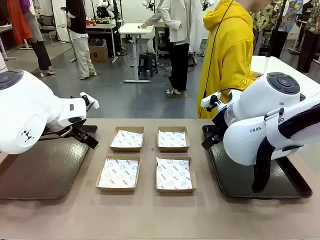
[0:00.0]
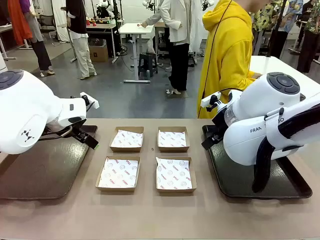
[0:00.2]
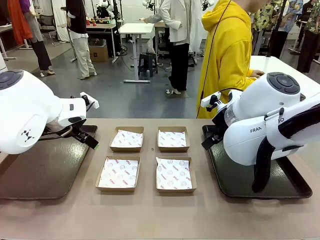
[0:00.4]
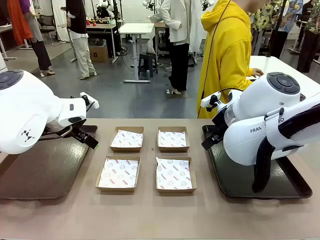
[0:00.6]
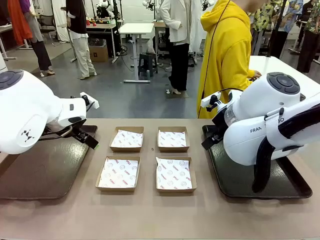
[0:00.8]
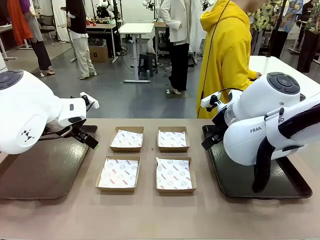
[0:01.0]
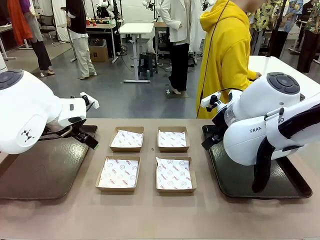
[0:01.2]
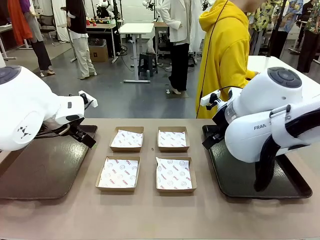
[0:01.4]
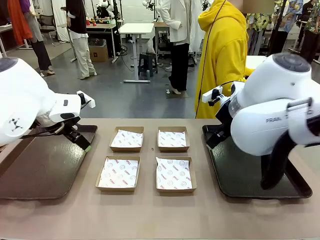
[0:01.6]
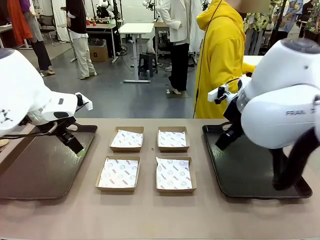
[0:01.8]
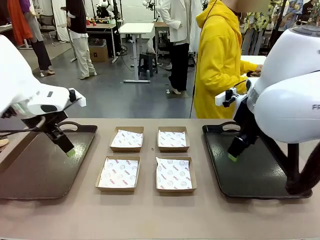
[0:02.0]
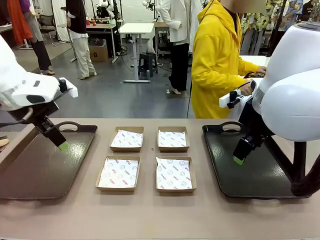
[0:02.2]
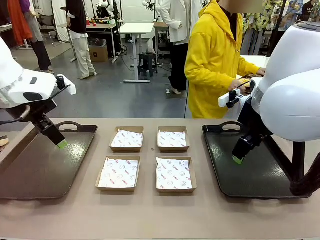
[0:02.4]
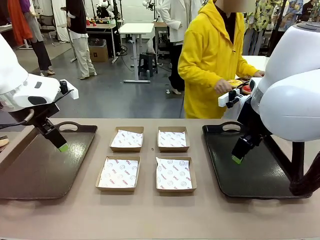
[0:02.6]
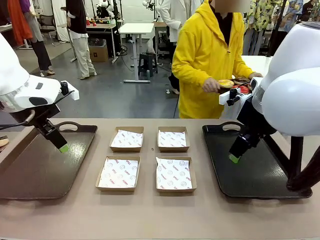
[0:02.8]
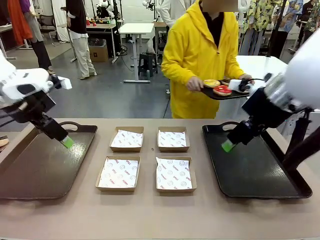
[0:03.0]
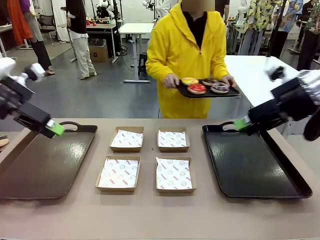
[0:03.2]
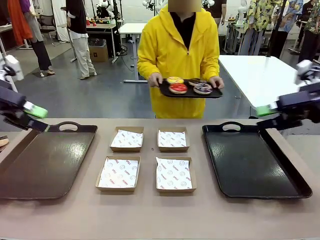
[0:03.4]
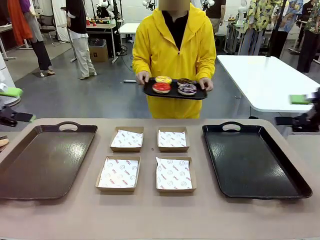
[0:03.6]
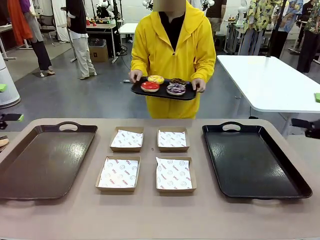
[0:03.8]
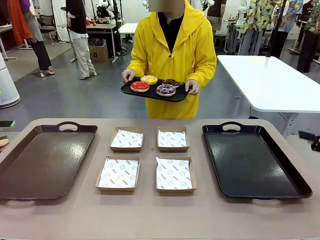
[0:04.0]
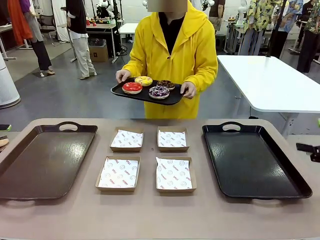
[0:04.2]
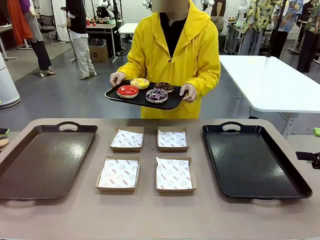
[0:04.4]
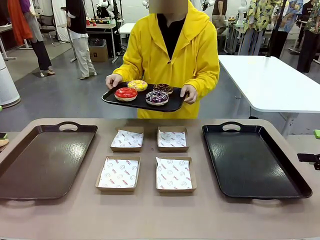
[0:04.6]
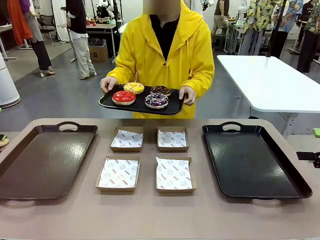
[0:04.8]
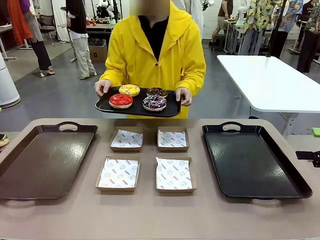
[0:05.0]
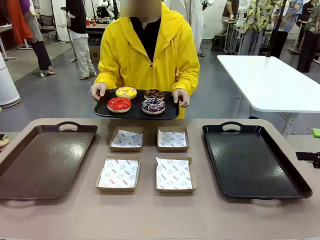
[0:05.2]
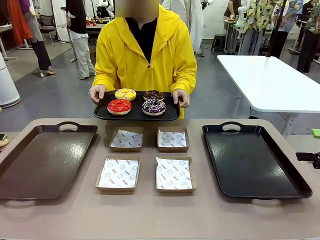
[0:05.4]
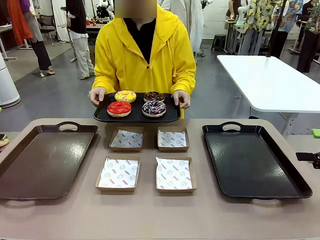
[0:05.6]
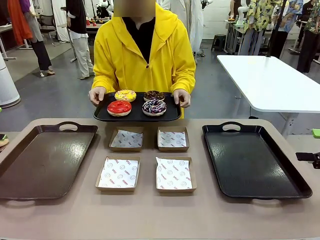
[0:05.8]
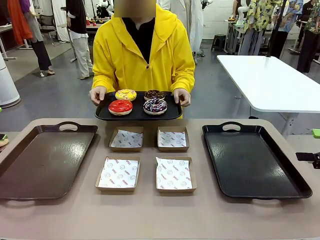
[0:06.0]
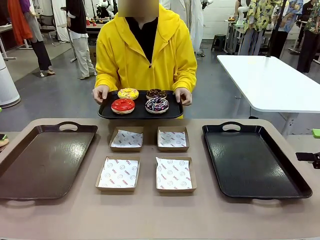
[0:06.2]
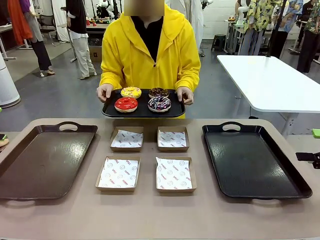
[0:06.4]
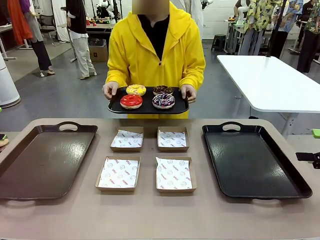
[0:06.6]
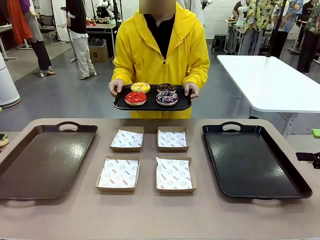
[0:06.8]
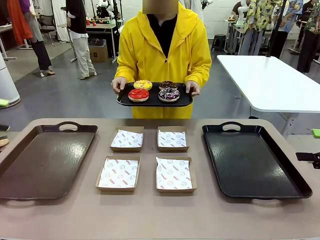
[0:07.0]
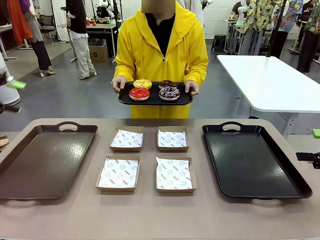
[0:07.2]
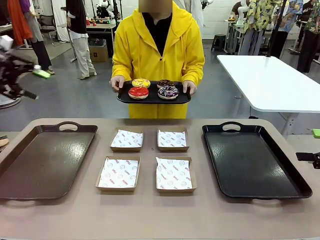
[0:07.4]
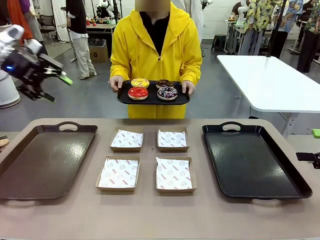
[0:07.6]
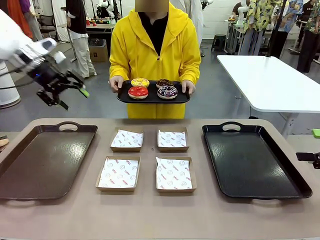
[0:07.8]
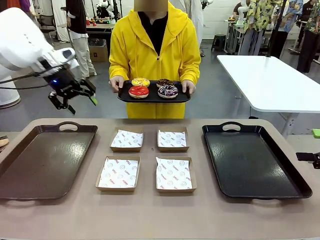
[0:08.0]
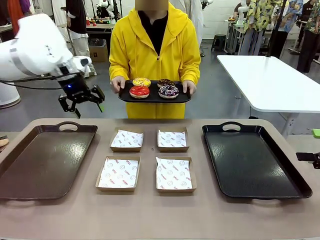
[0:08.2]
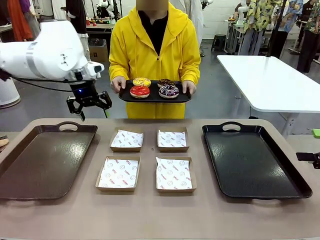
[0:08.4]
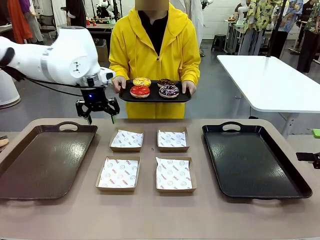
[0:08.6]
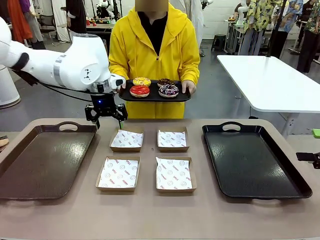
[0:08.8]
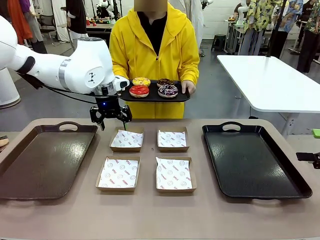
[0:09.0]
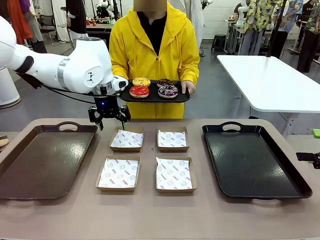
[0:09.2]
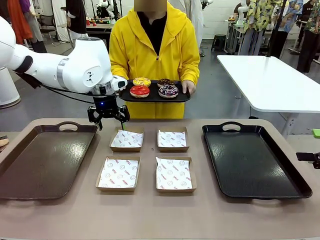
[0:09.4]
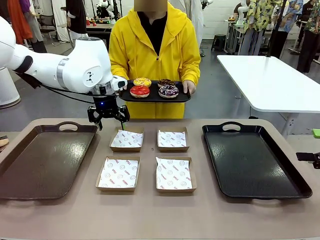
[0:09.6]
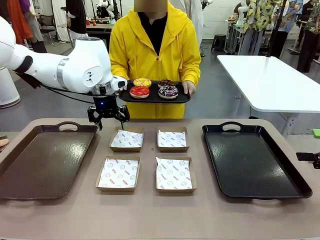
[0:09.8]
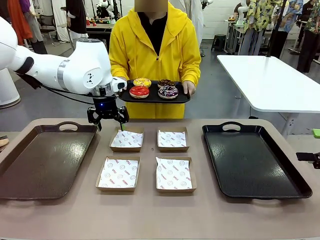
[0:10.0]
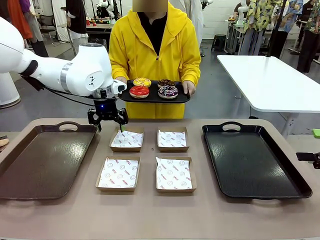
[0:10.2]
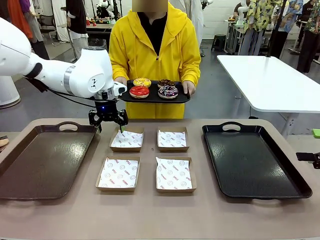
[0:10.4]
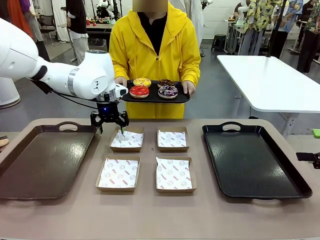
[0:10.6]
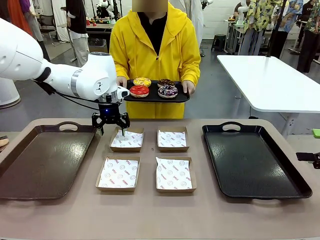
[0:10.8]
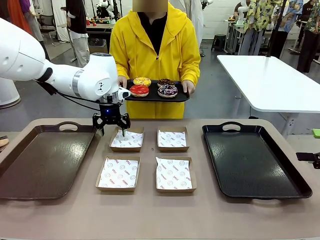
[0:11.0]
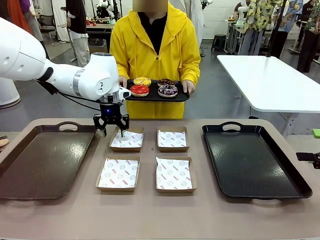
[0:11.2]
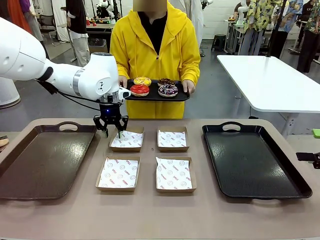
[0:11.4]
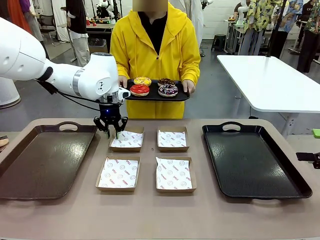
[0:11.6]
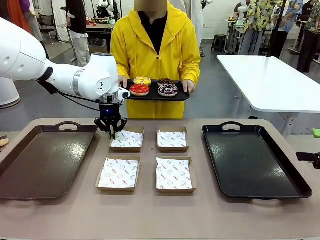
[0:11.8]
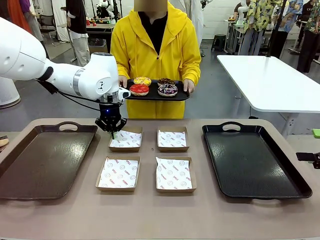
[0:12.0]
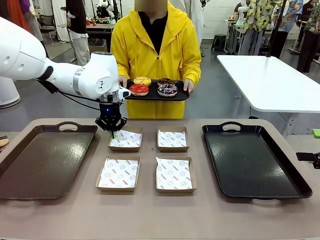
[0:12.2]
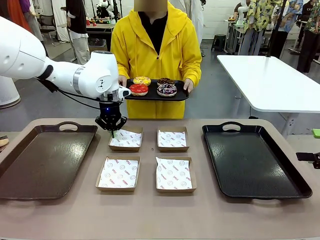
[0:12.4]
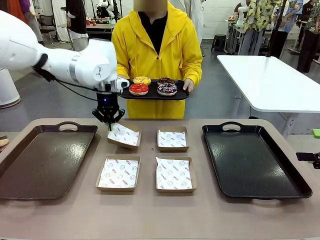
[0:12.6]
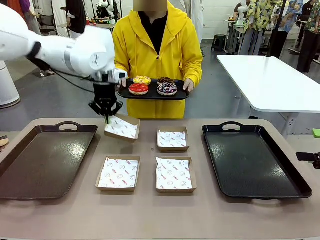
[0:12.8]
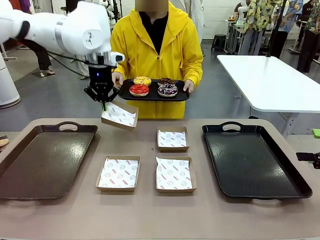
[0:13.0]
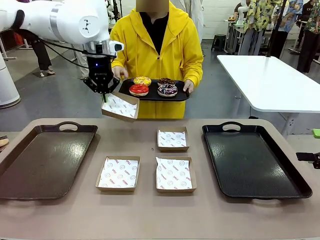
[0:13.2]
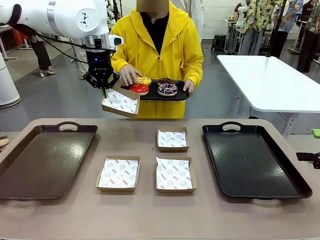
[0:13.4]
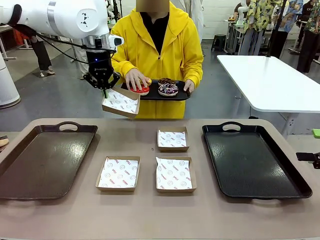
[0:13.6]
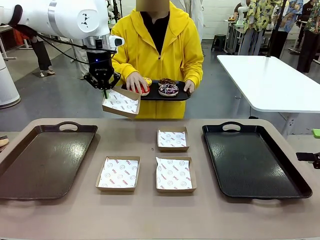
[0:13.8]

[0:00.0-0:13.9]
Task: Individually package the donuts and arrange them on the tray.
Robot: Pick up one Paper togo box.
Person: Stand in front of the robot table holding the tray containing the donuts.
